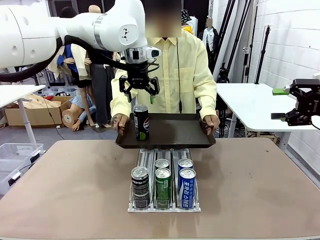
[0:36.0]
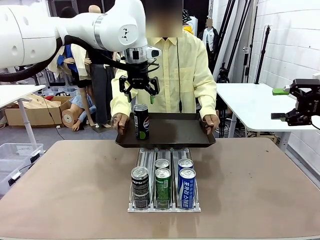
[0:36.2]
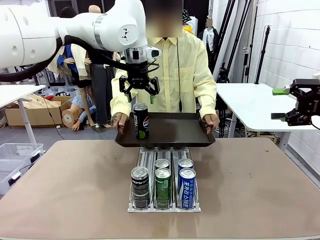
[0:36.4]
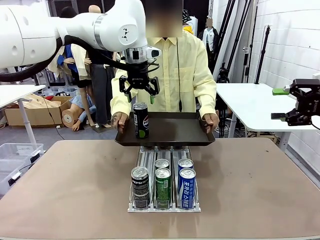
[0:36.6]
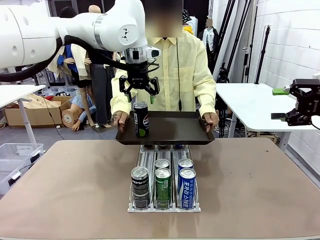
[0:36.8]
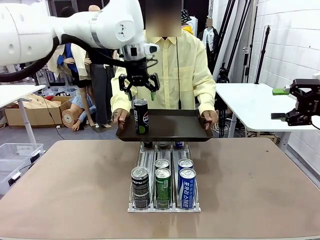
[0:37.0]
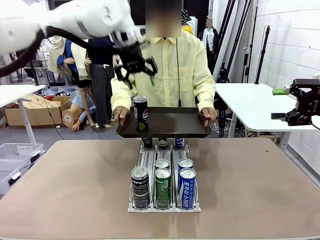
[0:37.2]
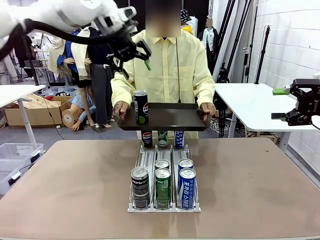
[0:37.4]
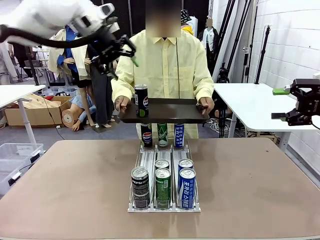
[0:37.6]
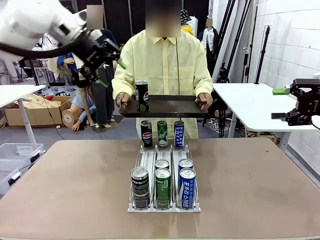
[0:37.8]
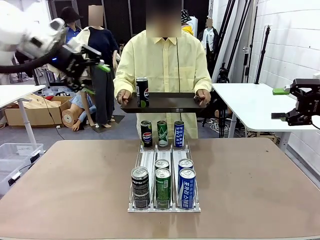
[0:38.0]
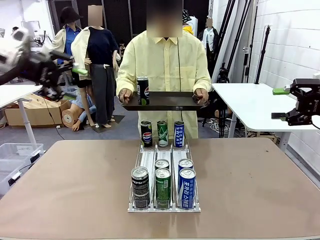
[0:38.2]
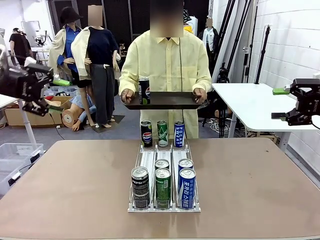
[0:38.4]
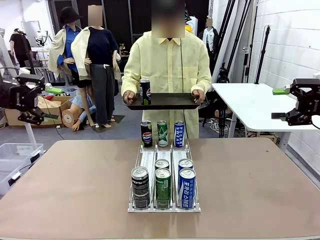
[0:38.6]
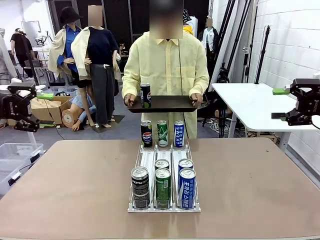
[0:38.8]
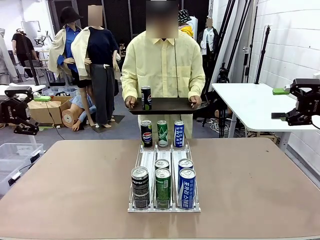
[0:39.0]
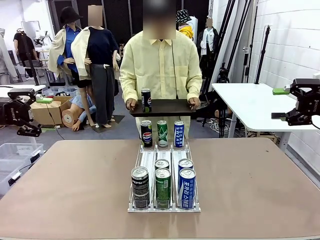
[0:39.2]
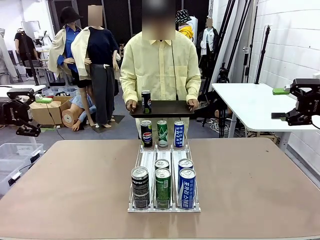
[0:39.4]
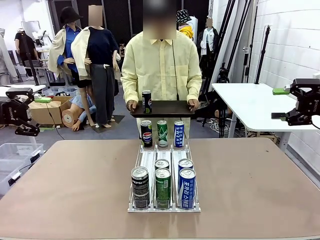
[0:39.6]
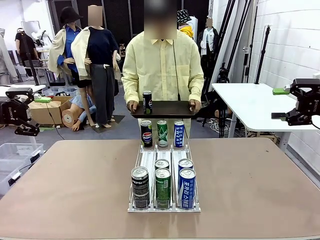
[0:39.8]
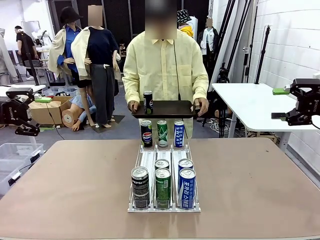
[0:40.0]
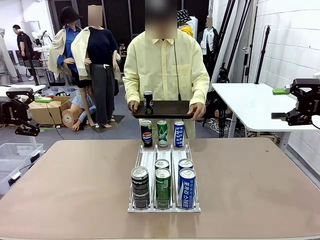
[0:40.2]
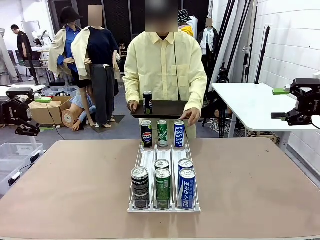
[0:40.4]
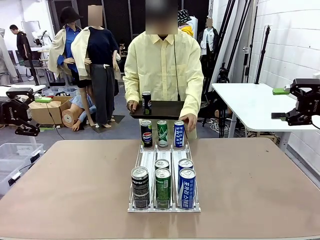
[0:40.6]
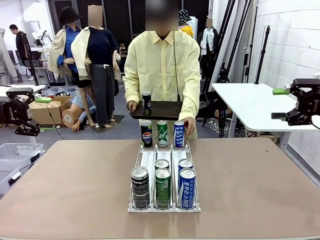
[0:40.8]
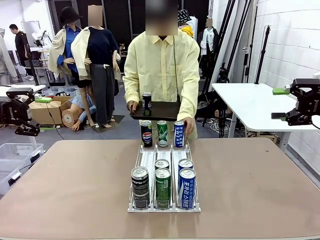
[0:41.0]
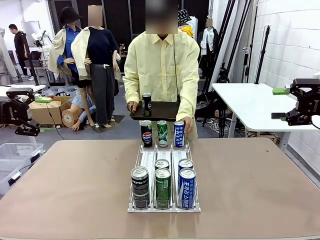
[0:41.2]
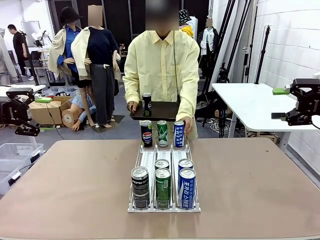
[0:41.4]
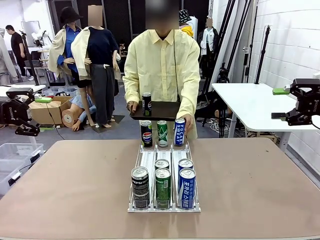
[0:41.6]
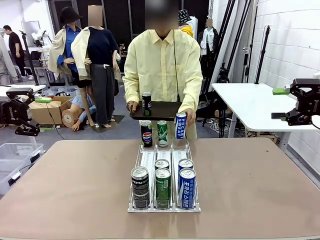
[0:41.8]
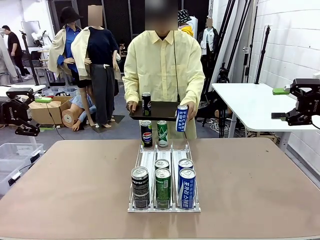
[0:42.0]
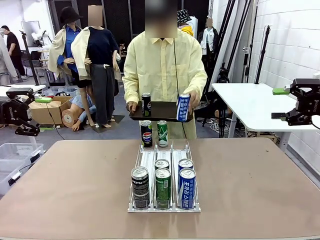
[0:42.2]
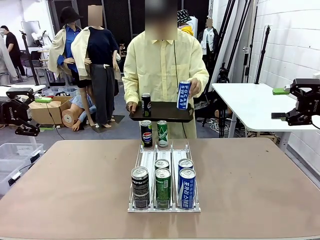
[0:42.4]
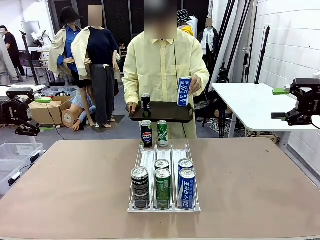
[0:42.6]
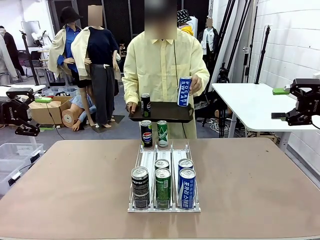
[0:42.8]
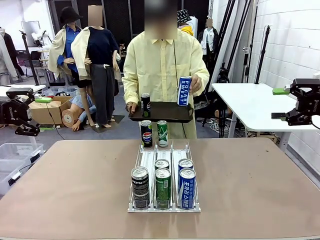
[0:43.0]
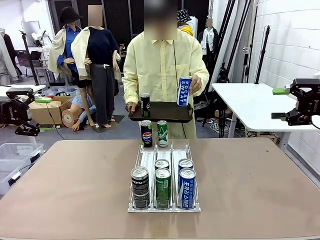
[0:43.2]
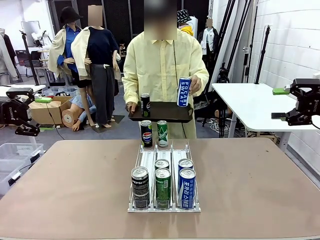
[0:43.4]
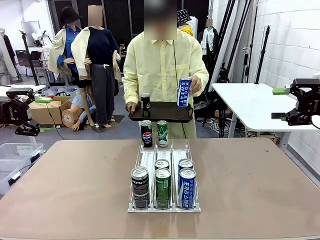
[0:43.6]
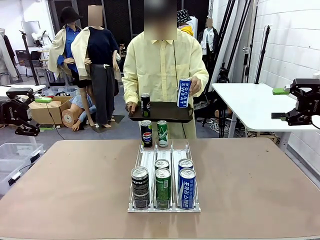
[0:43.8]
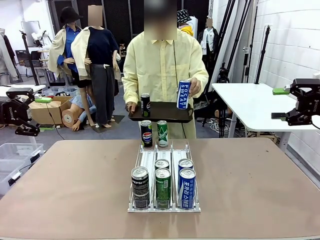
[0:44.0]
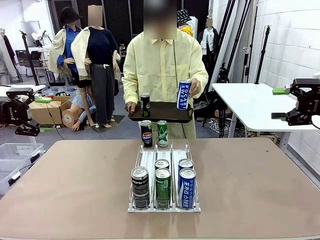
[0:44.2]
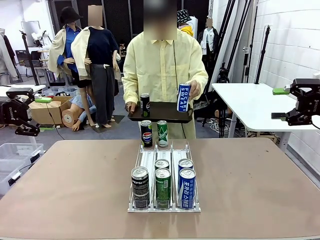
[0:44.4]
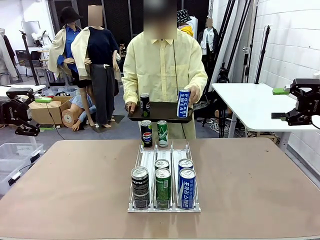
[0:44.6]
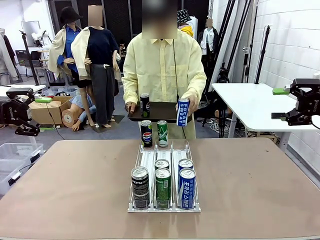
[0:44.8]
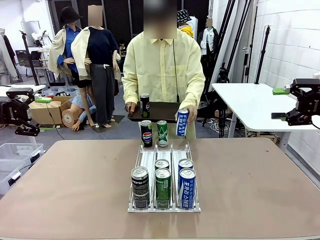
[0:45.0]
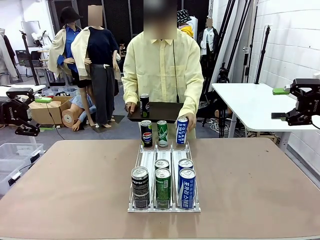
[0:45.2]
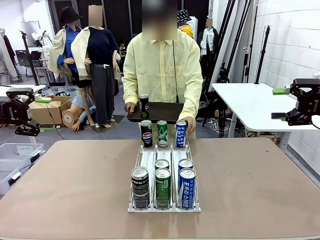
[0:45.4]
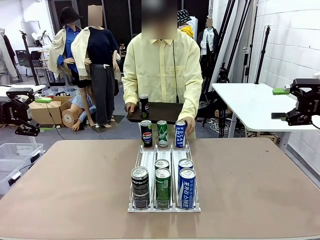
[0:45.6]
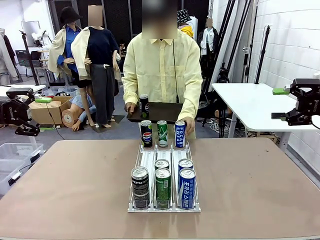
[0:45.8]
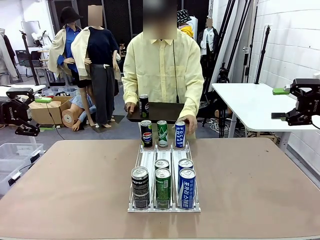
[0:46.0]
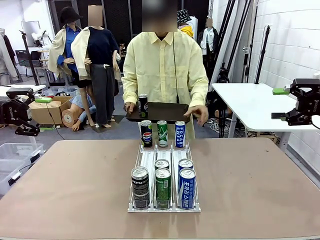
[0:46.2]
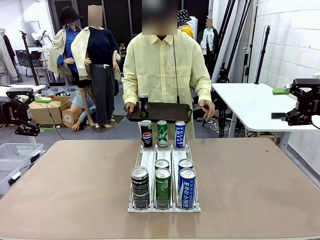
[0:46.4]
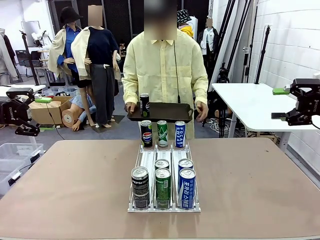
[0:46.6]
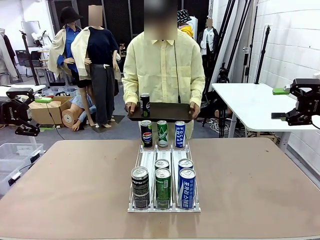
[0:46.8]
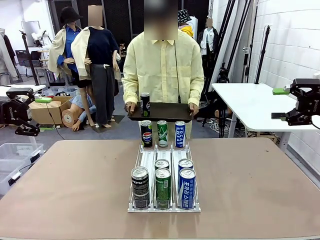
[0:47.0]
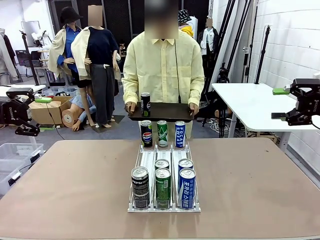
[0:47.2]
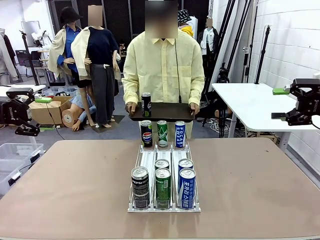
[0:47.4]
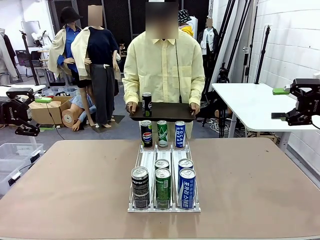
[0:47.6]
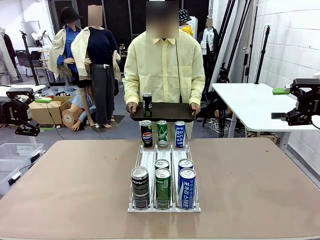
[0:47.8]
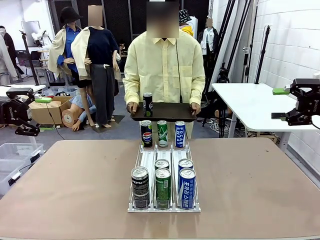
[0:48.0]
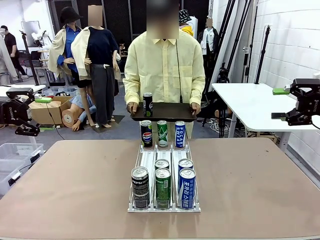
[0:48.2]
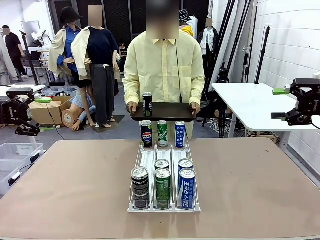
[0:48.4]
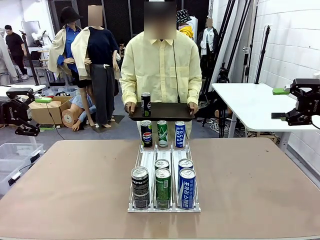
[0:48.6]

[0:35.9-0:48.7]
Task: Retrieve and hand over the desired beverage to the person.
Robot: Pick up another can of the same type that the person held from the Automatic Can Dispenser.
Person: Pull the tray back, then pick up another can from the bottom area of the table and puts it back in its original place.

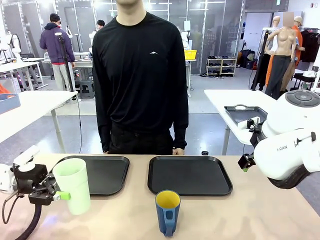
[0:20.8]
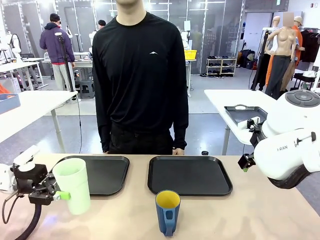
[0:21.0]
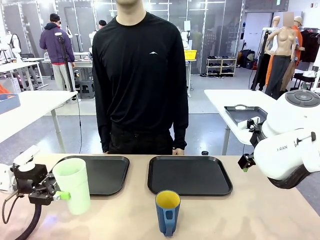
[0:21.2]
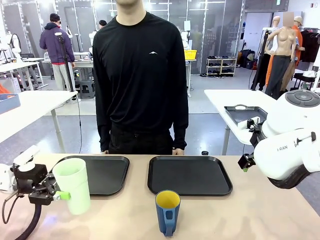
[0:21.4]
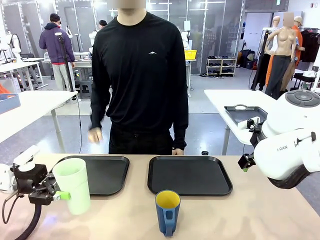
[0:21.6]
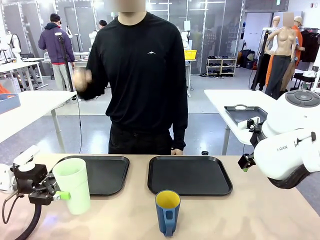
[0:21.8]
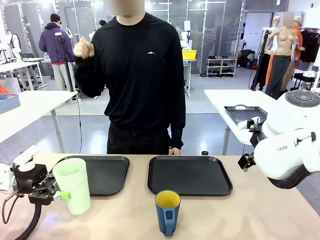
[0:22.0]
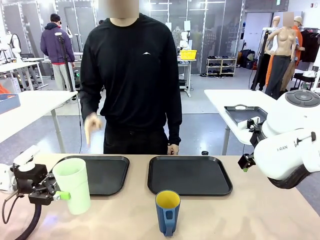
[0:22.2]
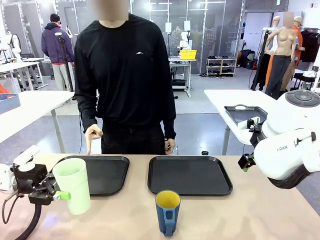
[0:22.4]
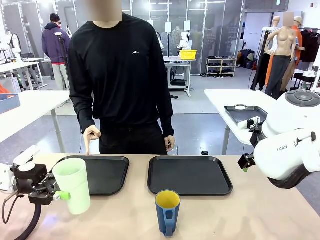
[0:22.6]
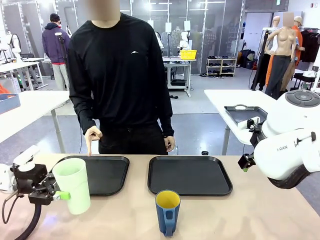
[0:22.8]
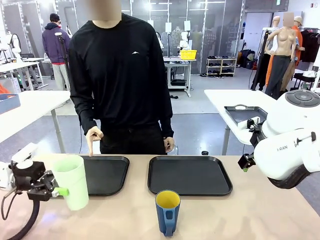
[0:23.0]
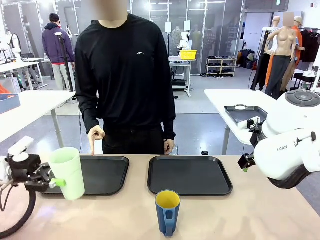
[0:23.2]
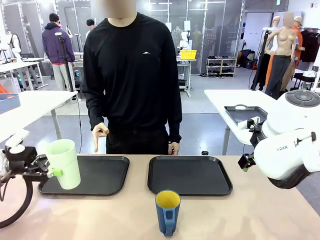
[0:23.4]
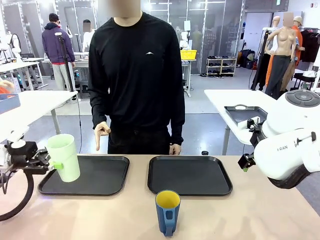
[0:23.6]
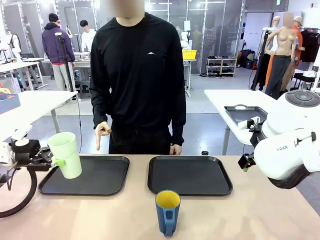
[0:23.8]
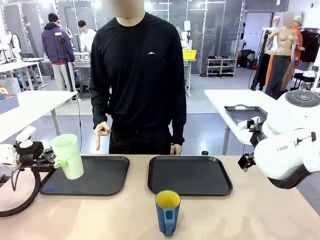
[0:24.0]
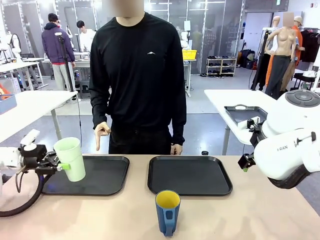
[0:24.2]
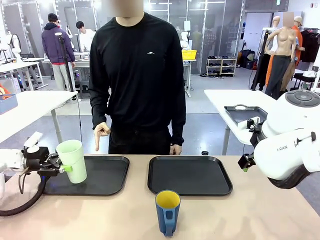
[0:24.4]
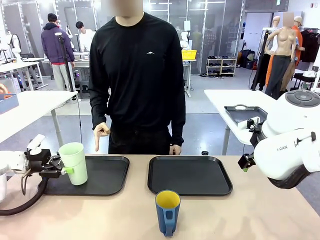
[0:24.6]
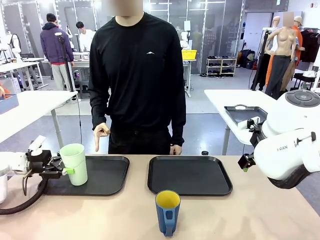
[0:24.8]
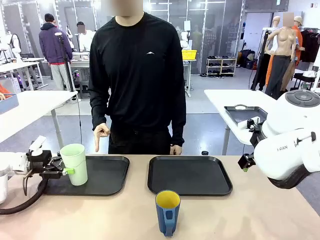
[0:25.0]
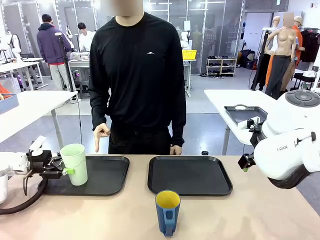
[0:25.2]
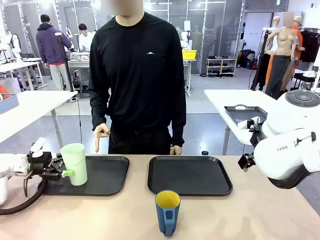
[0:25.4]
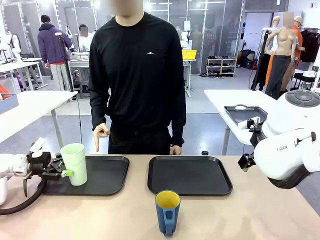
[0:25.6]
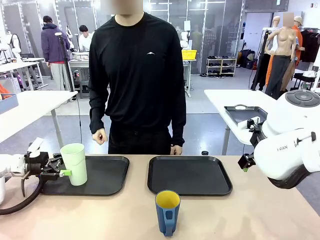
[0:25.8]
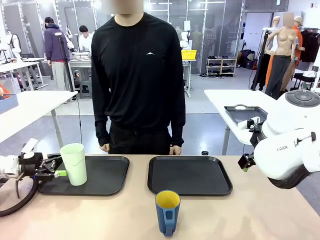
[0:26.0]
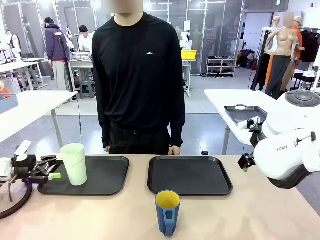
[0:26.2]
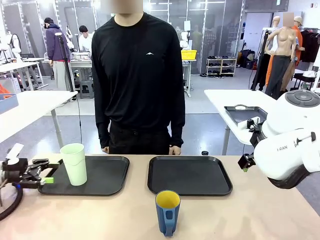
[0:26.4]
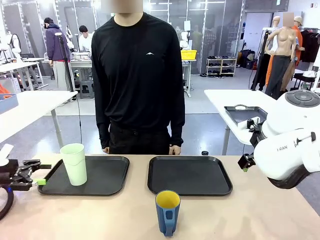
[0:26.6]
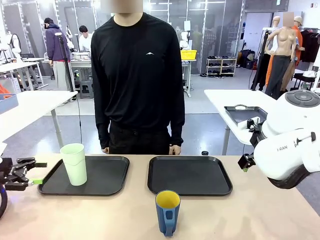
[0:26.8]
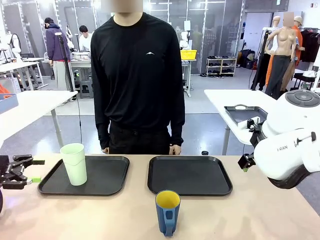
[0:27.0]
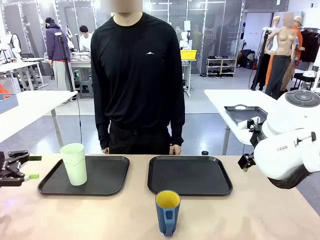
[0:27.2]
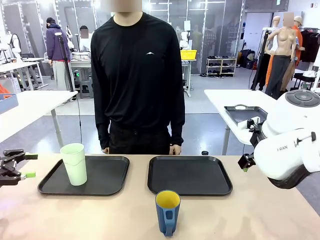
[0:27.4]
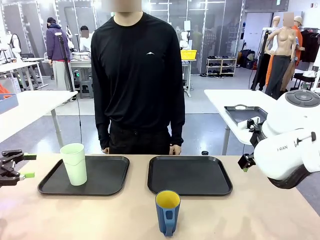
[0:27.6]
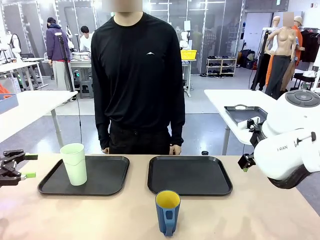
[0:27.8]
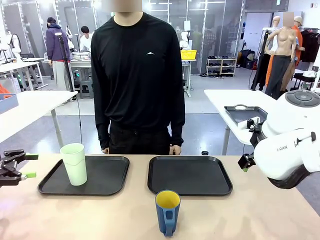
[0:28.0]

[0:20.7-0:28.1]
Task: Sort and store the cups by type.
Robot: Place the picked Reusable plastic cup into the Flat Tray indicated by the person.
